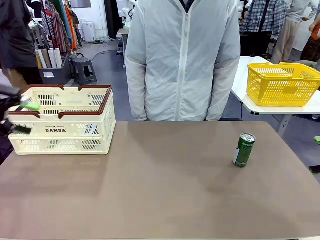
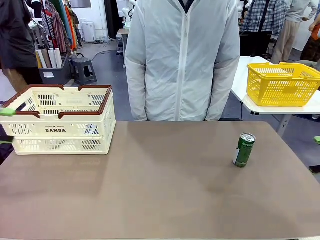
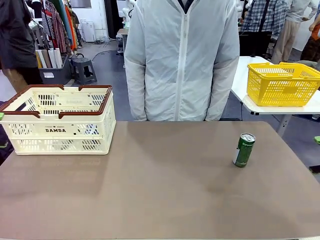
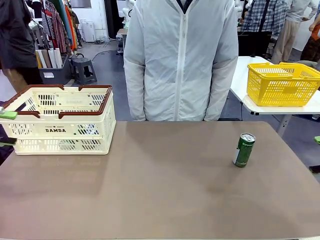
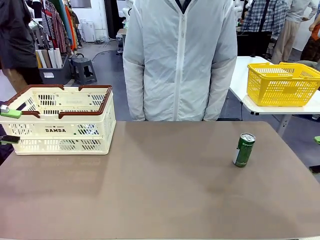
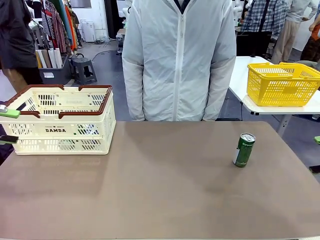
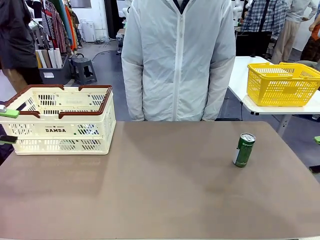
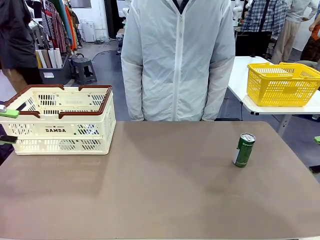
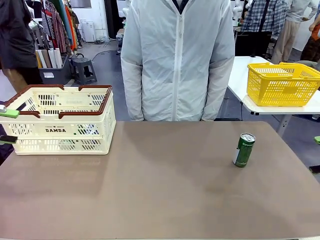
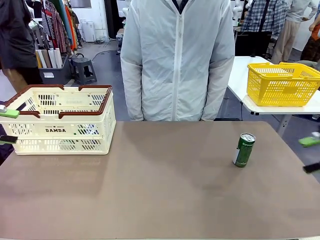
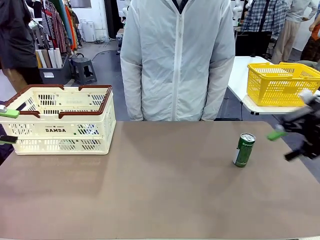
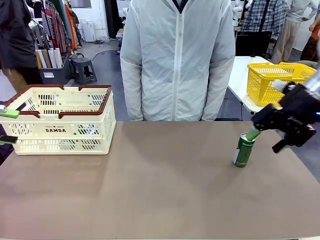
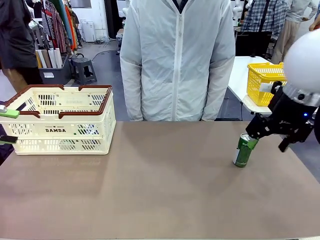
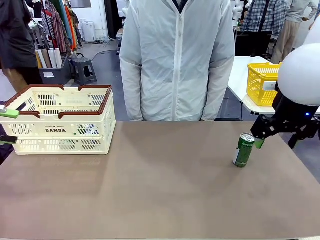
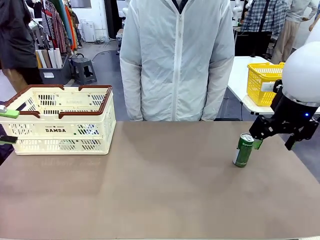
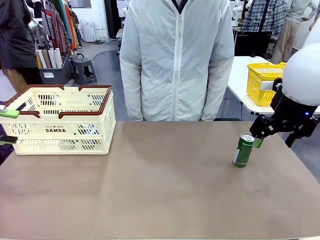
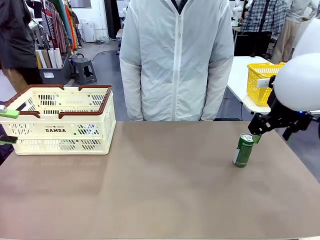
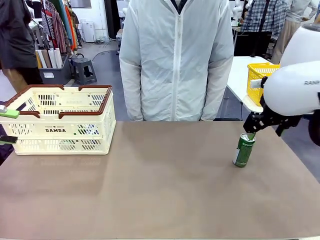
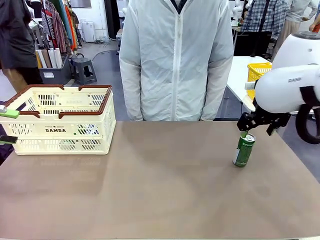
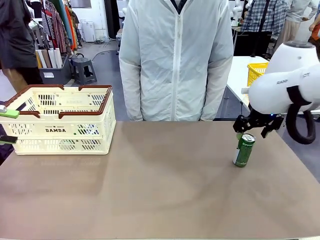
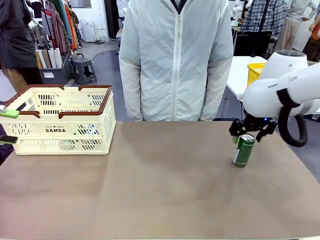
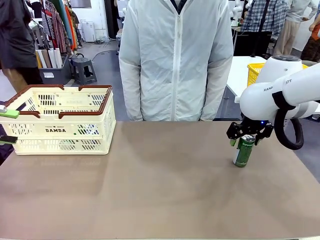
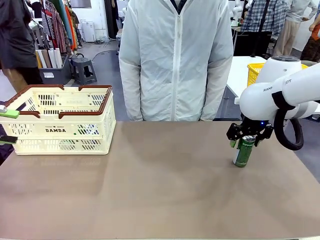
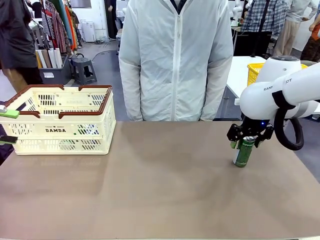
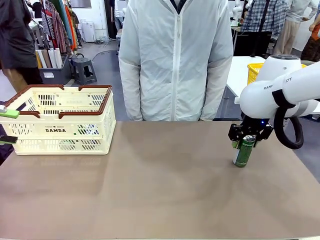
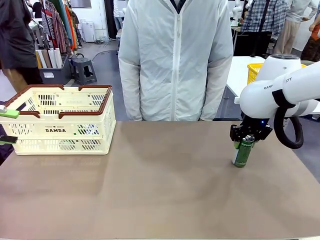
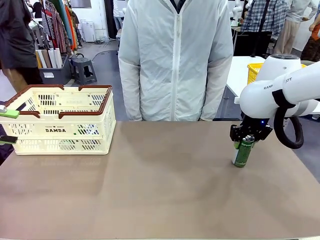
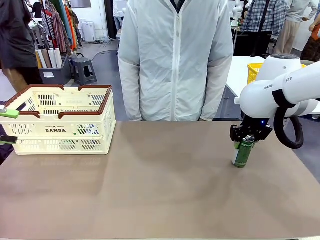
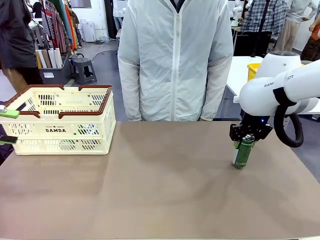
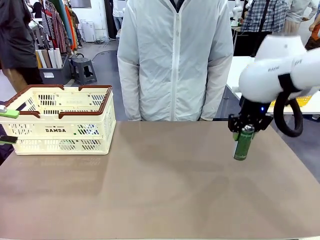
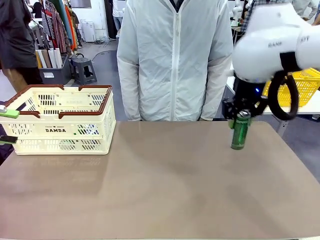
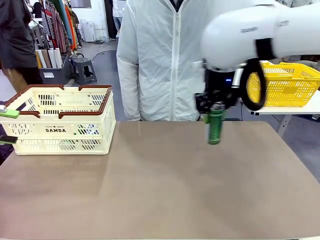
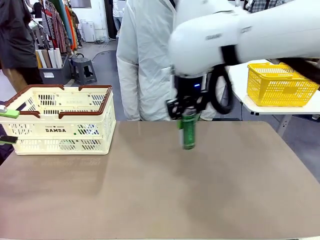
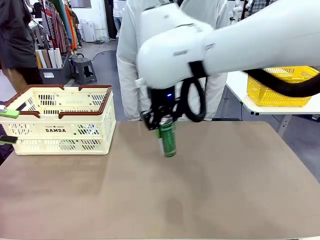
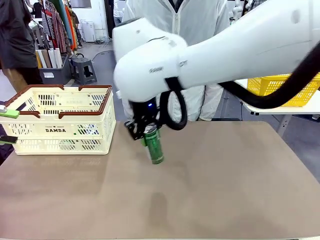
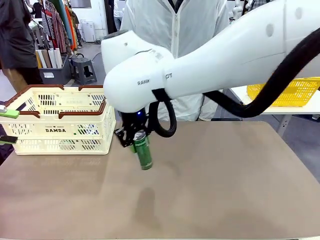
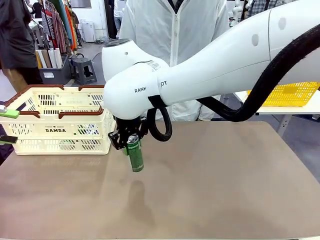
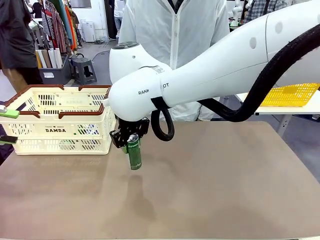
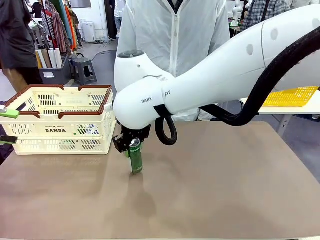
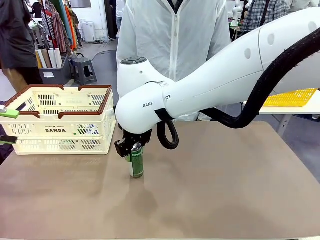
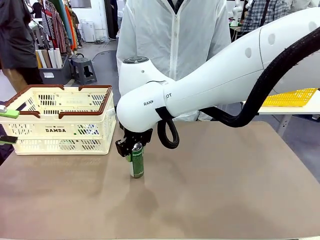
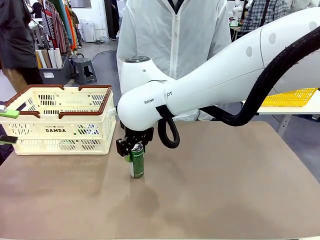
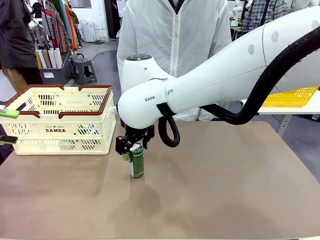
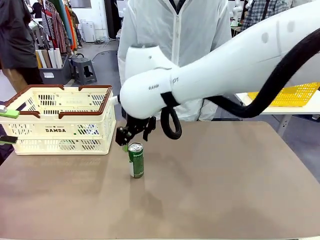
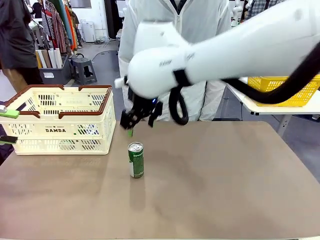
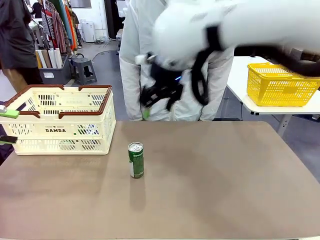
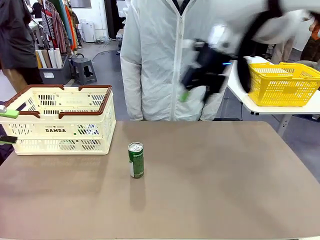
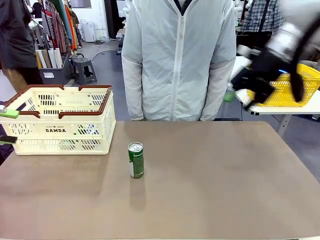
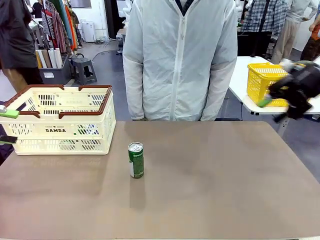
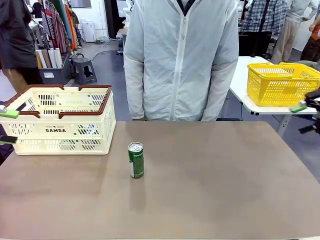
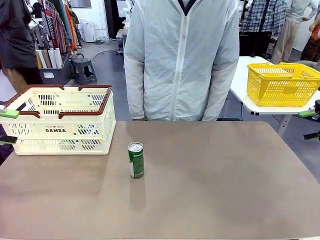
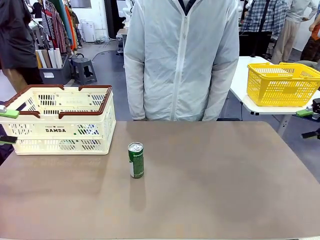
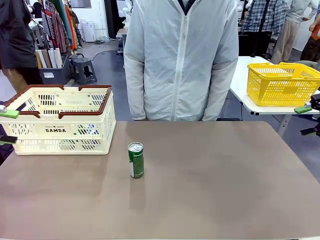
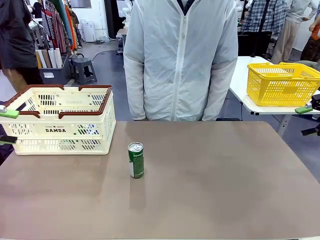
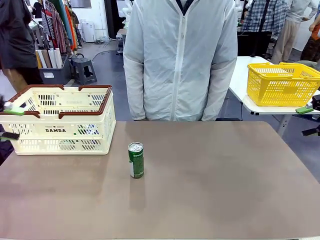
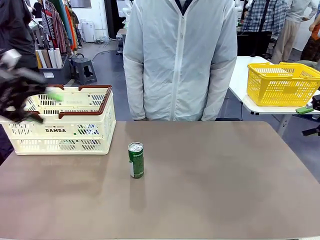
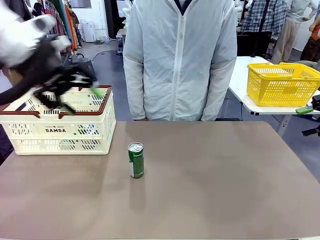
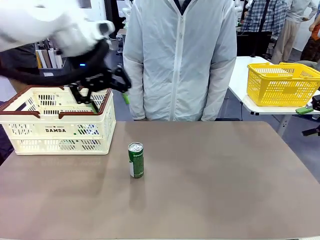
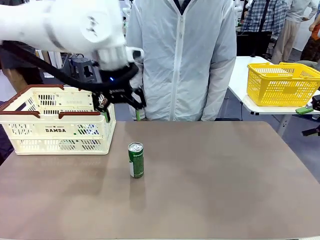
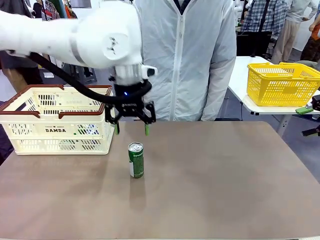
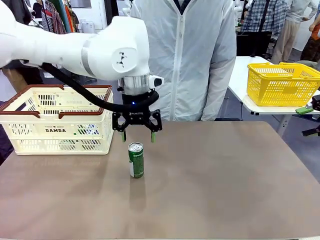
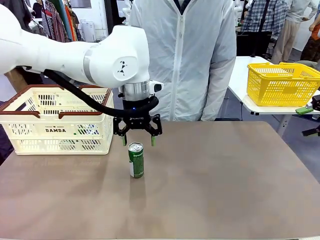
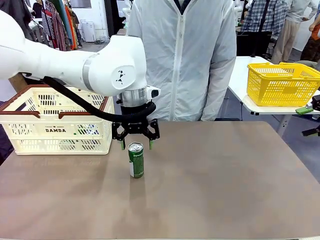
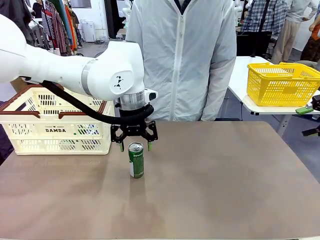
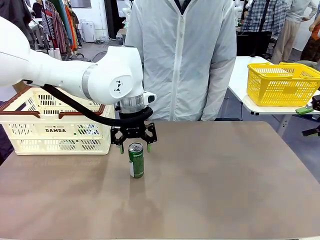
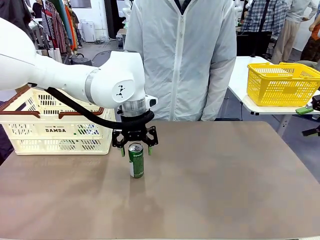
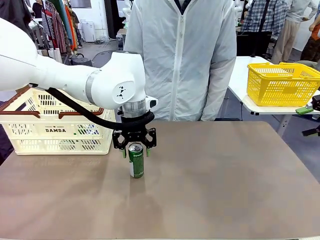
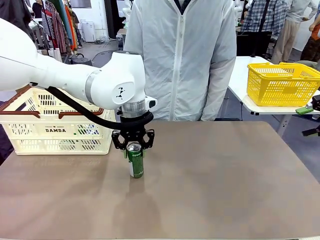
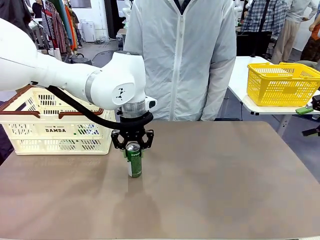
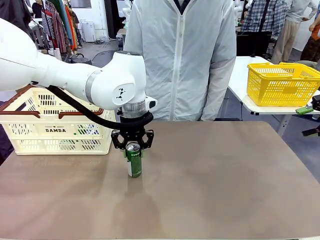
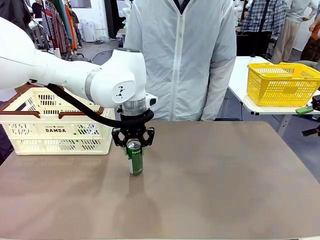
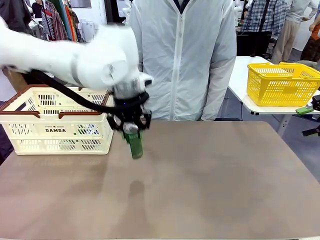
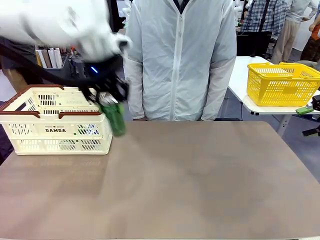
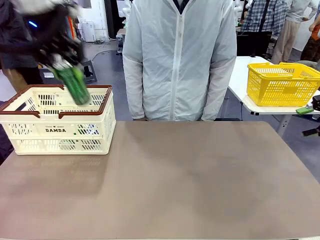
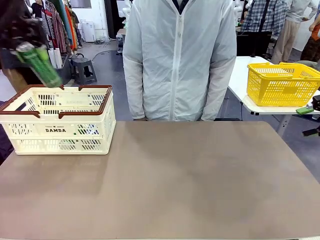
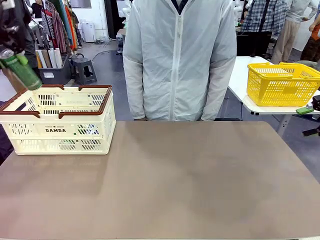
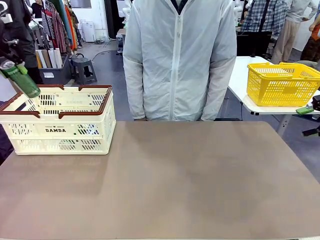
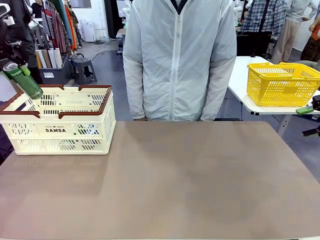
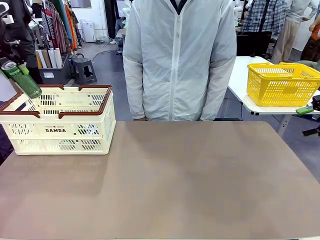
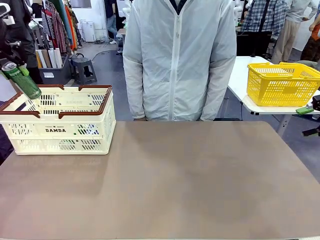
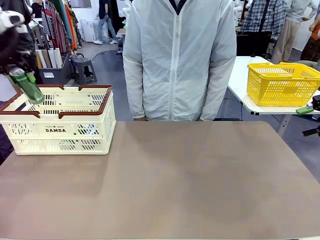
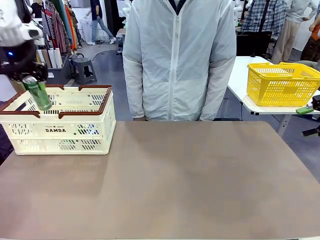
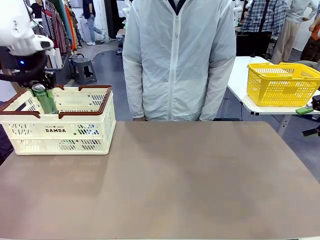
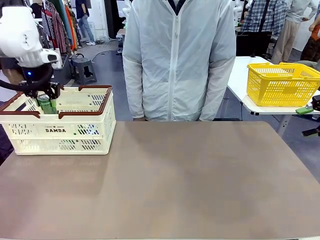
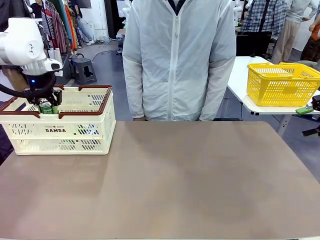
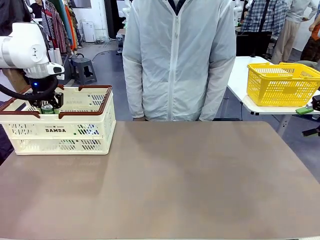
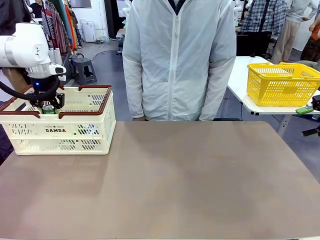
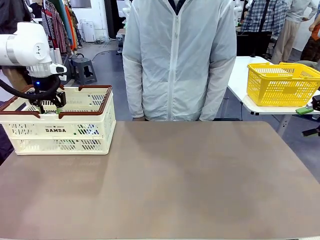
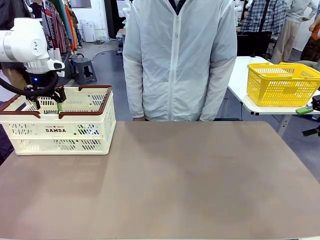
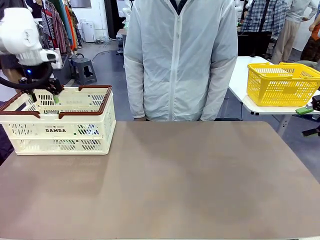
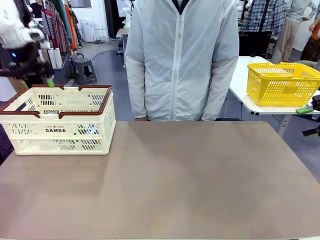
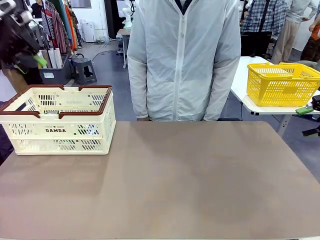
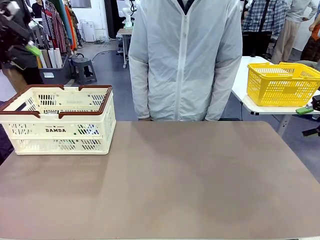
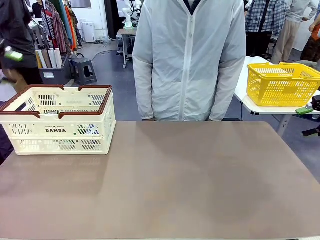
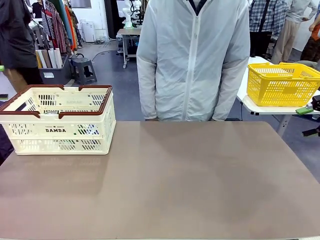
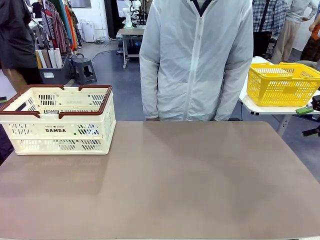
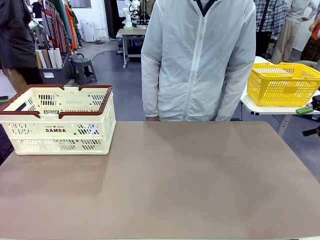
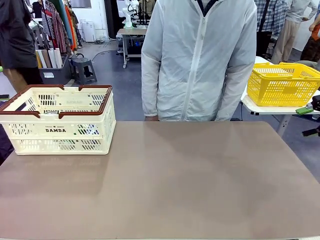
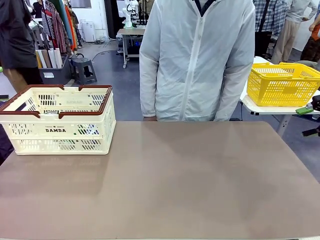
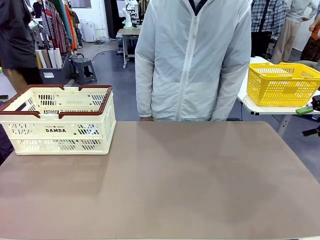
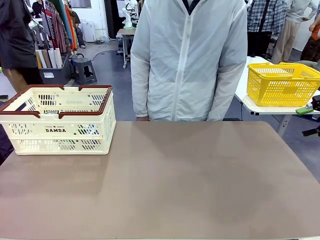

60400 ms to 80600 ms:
Task: Place the drinks into the Shopping basket.
Robot: Pick up one drink and place it into the Shopping basket.
